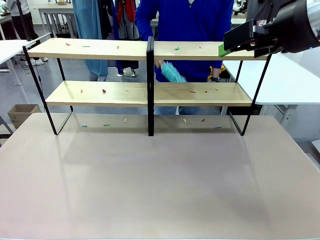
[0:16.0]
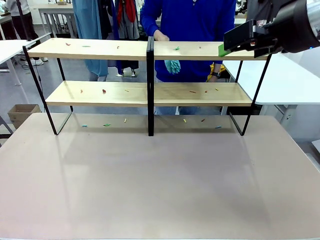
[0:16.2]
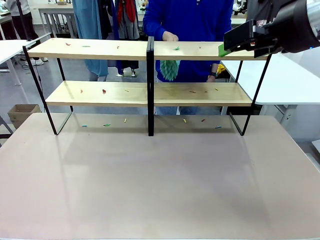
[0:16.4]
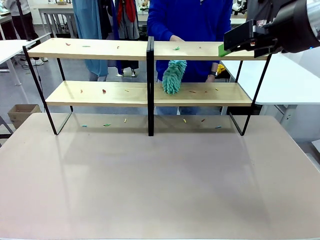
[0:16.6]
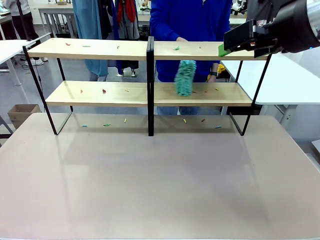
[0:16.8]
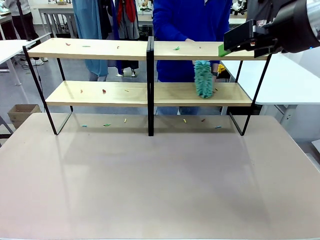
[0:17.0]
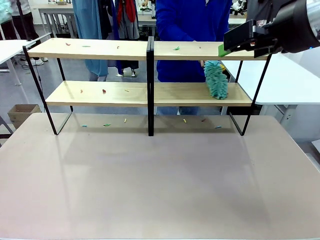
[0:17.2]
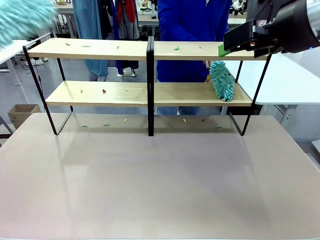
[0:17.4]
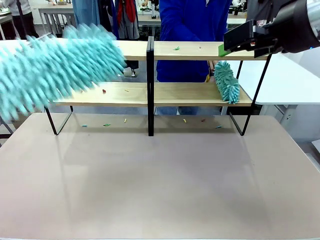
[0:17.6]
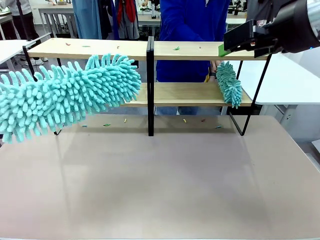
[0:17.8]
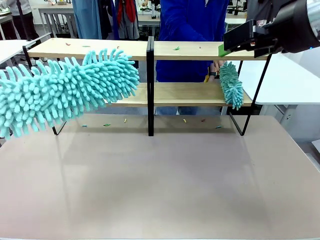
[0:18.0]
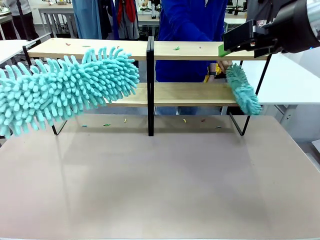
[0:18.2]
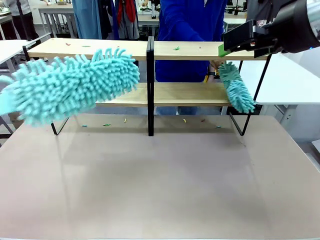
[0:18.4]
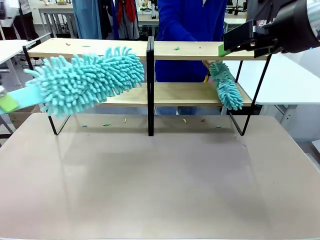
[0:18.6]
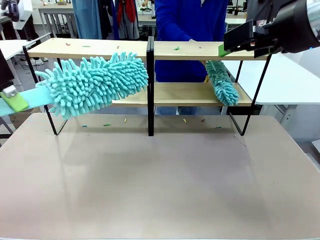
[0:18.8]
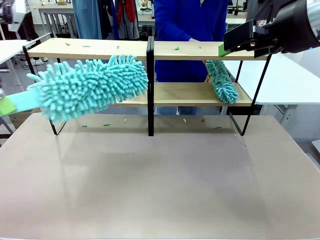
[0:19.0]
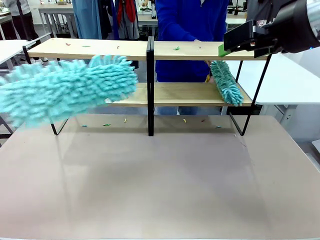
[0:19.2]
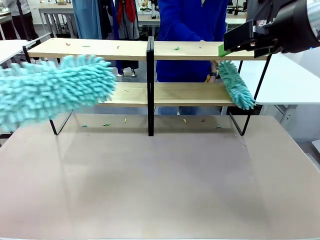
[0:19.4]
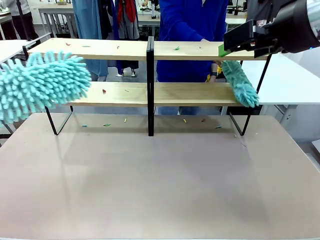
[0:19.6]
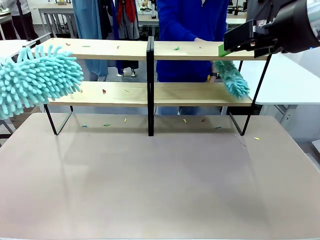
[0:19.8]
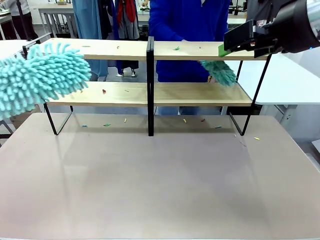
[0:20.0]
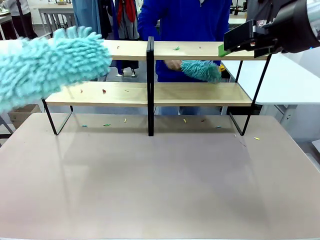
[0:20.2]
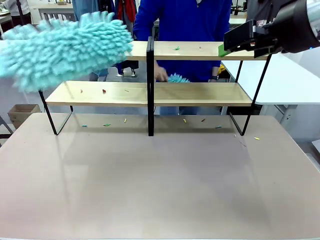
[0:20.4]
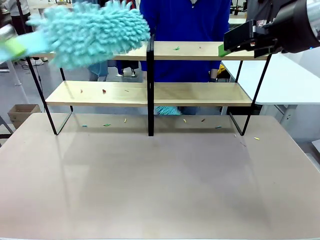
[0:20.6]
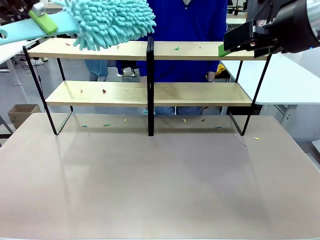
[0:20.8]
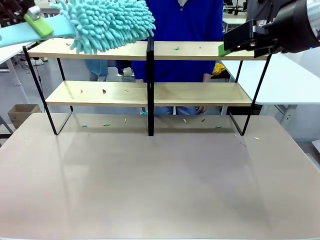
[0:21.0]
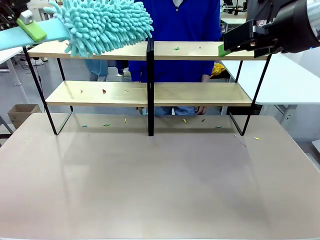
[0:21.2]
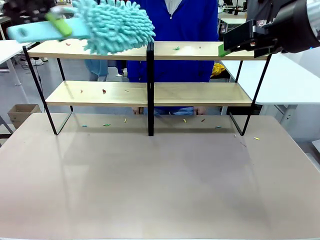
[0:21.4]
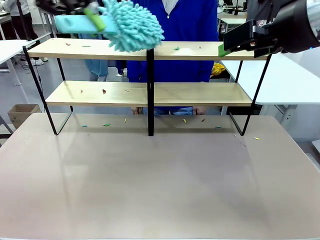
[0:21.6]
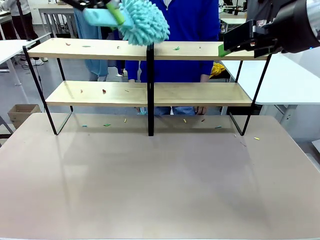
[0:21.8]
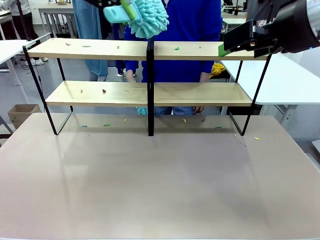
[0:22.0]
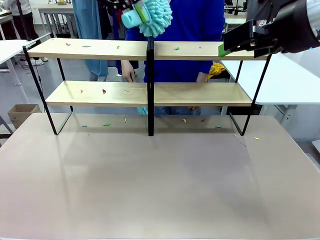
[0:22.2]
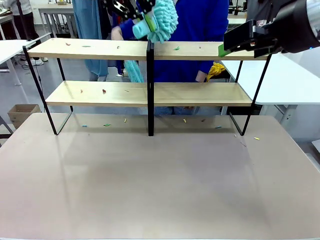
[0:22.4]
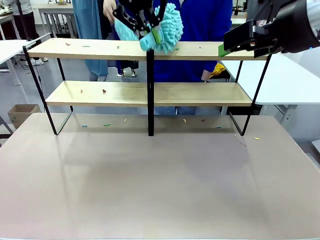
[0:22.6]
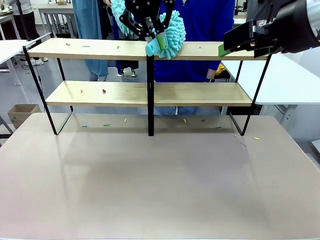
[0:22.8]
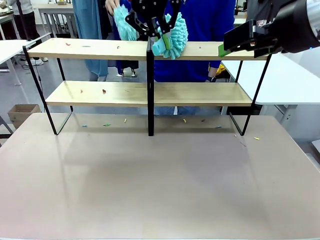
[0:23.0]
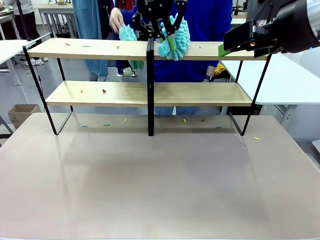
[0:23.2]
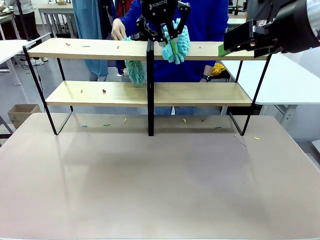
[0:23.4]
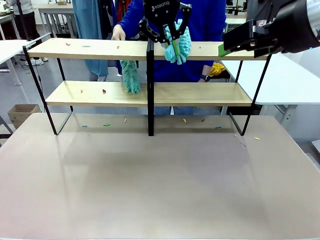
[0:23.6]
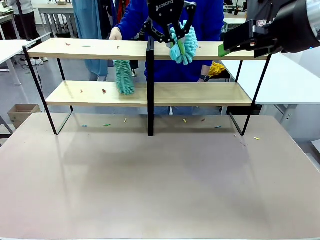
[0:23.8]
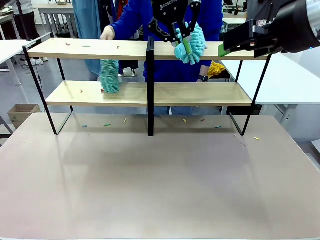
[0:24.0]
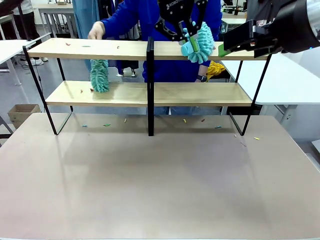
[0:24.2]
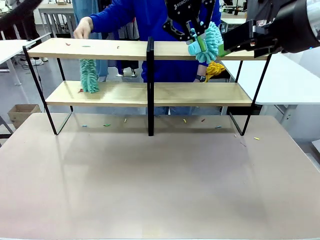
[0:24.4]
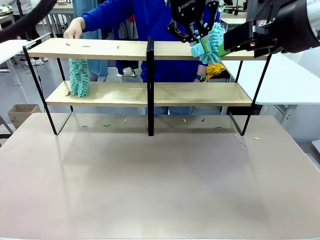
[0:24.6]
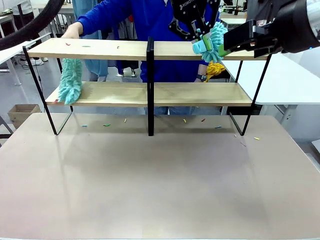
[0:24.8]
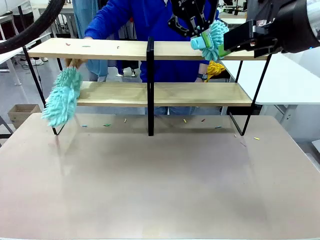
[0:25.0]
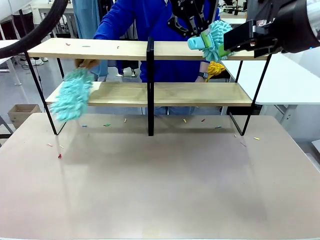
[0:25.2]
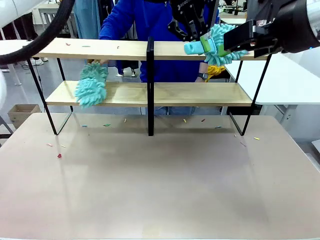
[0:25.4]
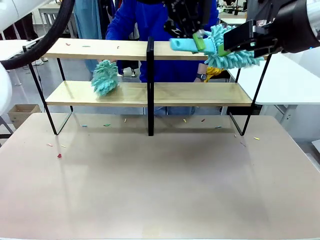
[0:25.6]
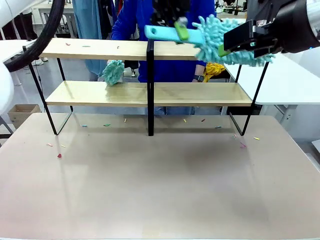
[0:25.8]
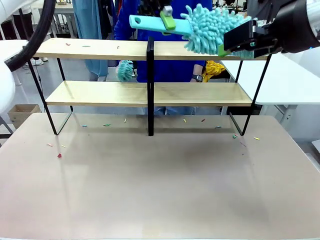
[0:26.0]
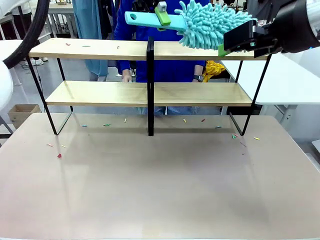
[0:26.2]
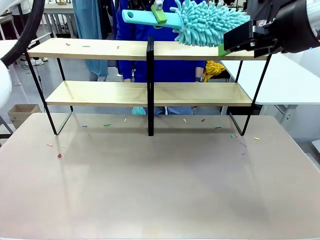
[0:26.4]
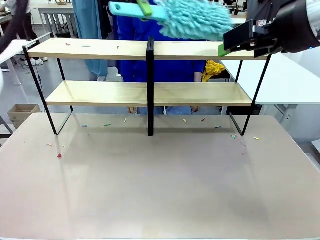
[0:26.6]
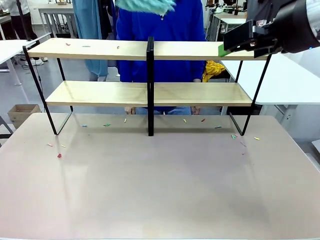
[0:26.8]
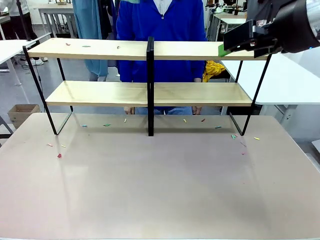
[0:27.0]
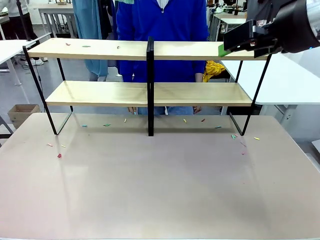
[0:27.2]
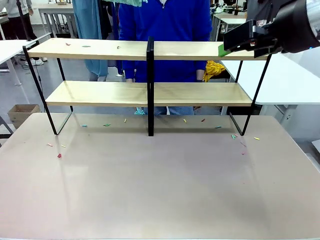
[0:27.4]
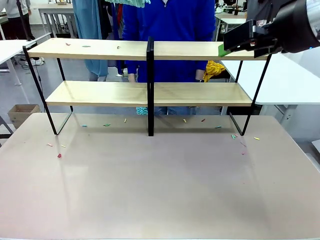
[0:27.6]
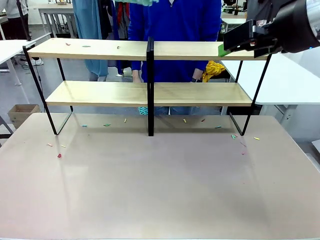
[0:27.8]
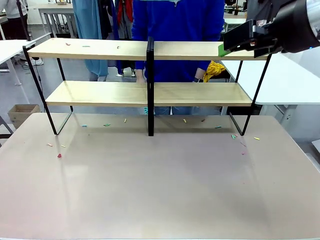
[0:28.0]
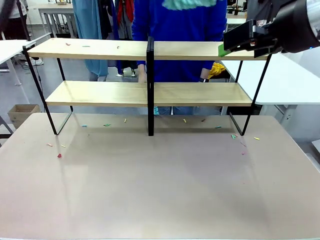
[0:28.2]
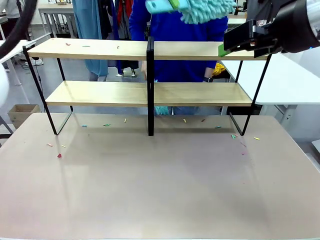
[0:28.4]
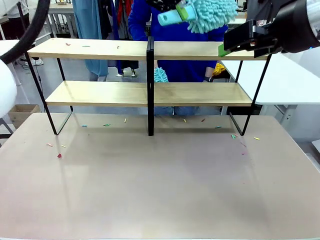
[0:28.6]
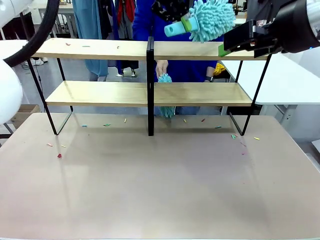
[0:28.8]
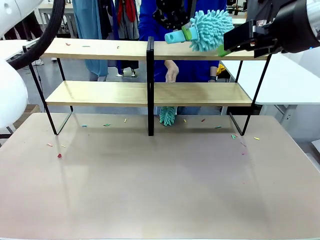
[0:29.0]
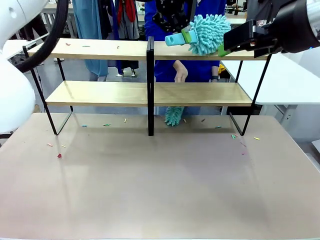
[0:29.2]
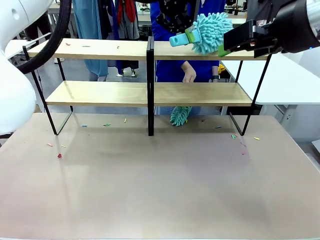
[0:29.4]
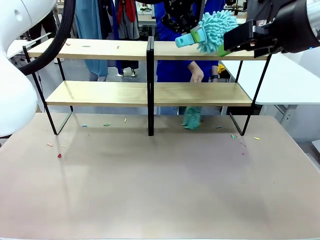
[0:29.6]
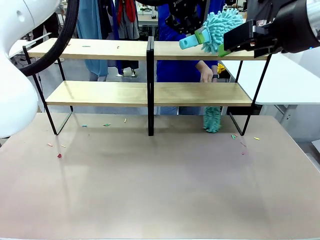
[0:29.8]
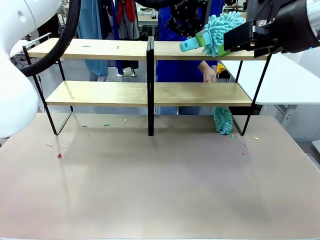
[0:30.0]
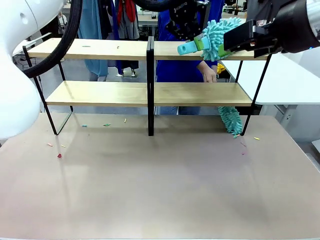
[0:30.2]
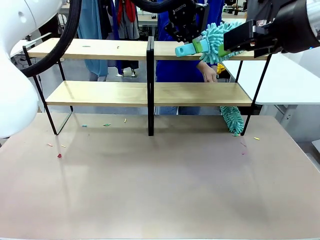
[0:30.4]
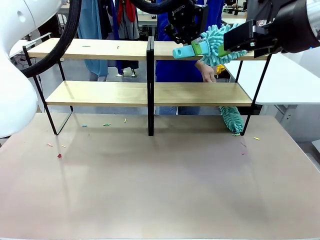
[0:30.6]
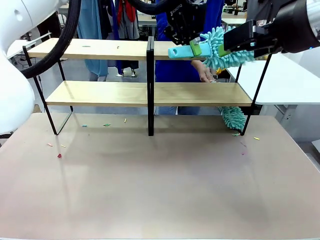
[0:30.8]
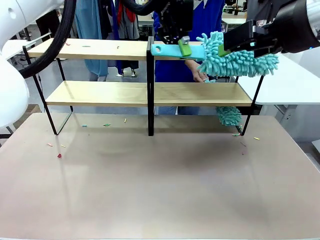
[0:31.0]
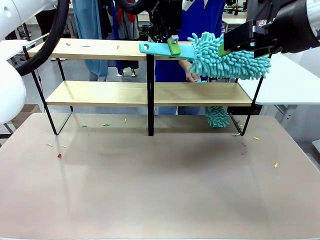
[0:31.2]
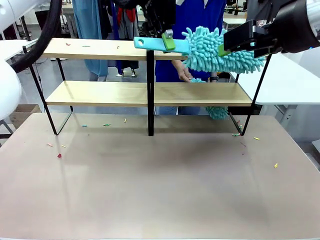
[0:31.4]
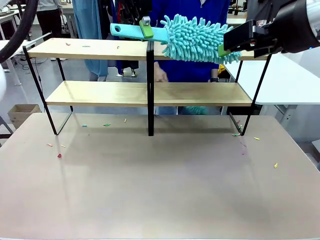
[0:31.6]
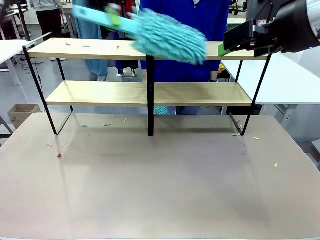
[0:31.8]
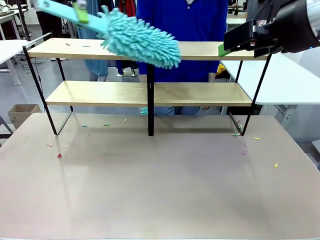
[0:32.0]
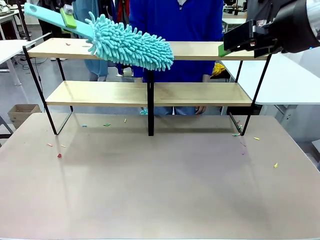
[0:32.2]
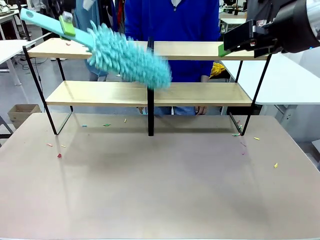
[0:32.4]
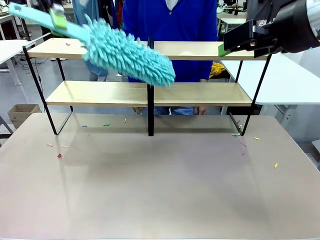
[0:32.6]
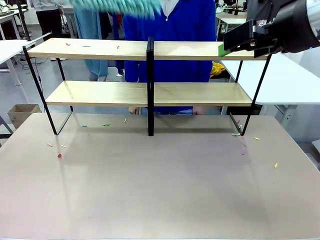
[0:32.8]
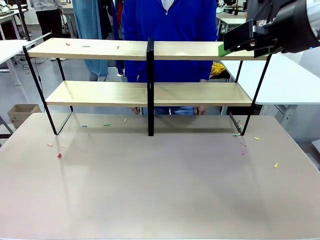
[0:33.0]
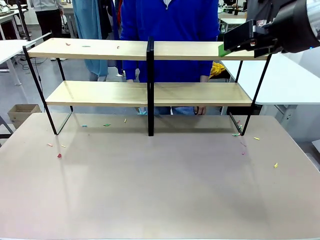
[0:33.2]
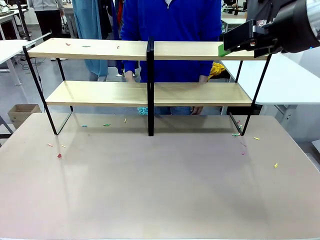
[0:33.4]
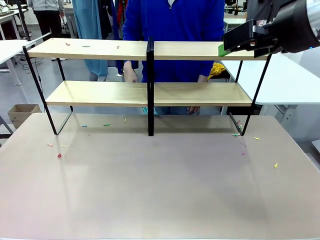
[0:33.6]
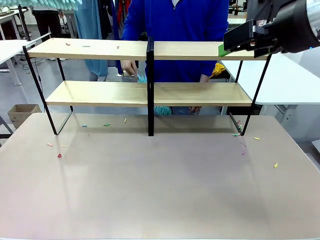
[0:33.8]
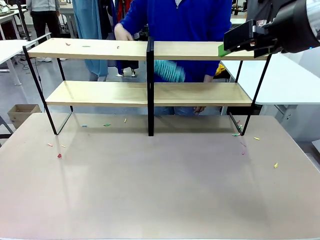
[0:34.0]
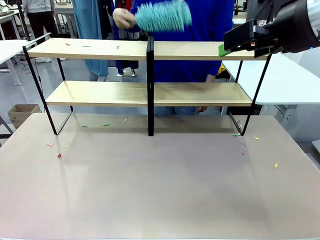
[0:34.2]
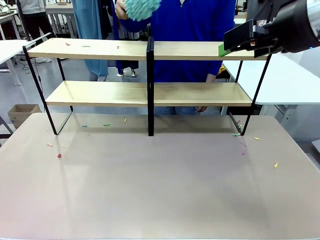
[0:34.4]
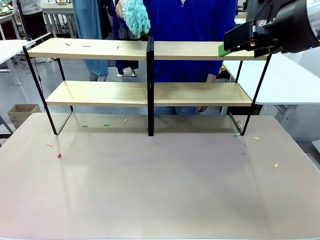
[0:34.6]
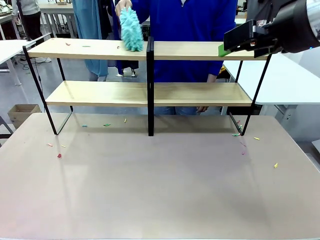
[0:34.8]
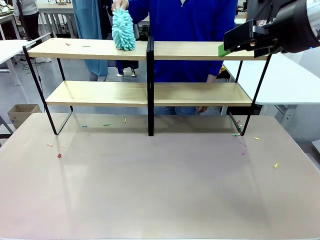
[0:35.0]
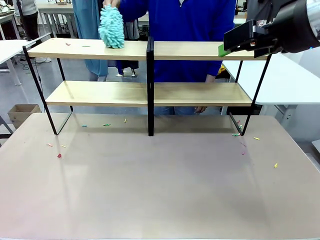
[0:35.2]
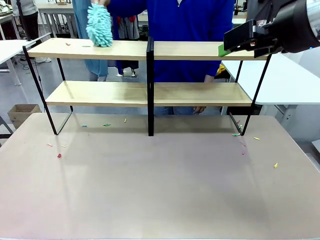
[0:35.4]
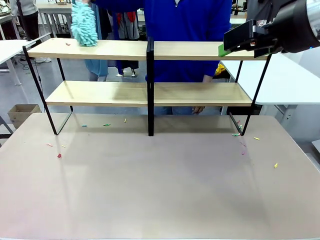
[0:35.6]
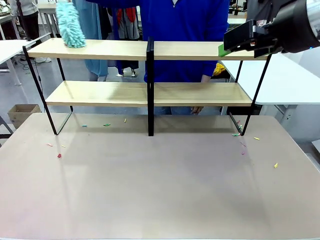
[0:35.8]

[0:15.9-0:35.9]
Task: Clean the shelves.
Robot: Clean a randomly selected level of the Shelf with the Duster.

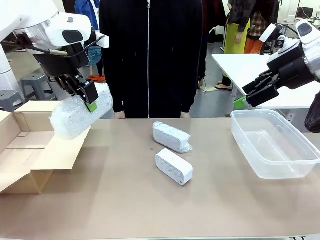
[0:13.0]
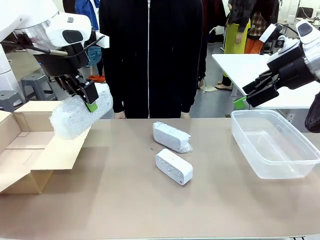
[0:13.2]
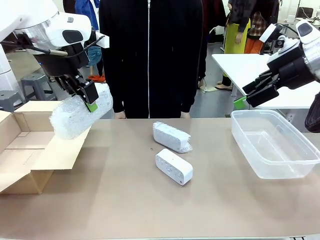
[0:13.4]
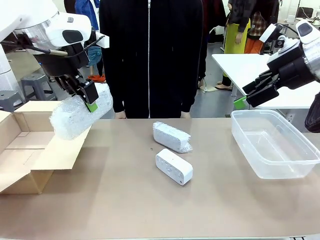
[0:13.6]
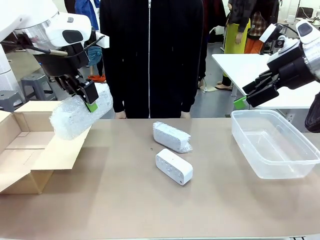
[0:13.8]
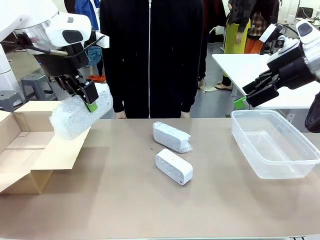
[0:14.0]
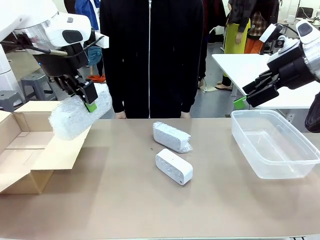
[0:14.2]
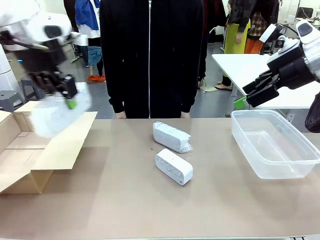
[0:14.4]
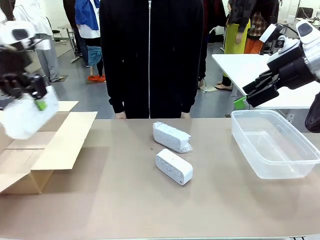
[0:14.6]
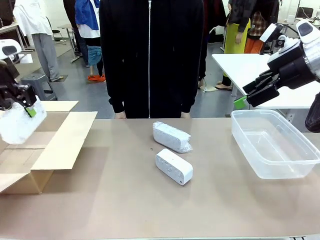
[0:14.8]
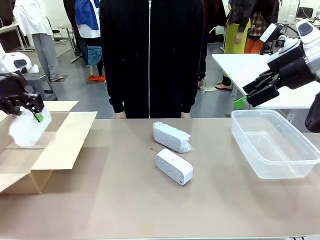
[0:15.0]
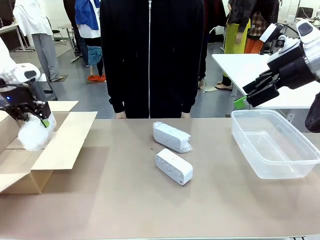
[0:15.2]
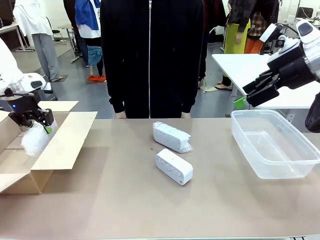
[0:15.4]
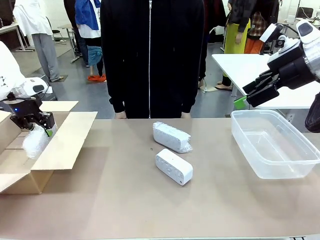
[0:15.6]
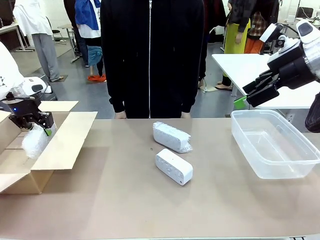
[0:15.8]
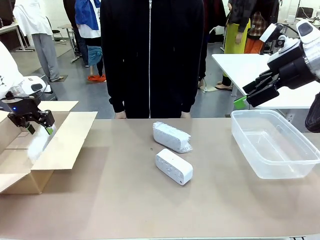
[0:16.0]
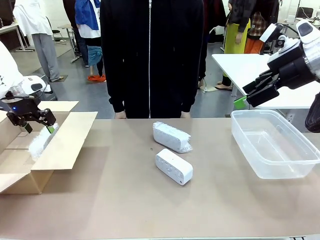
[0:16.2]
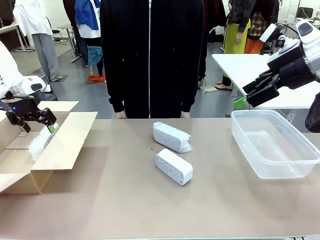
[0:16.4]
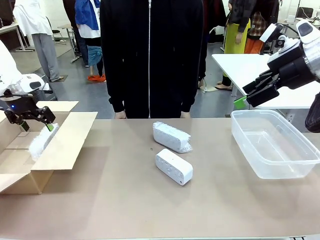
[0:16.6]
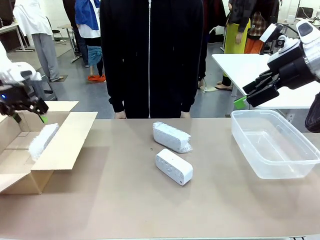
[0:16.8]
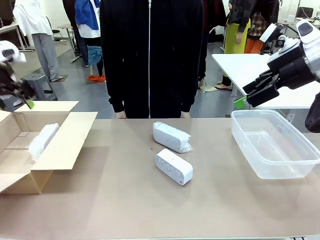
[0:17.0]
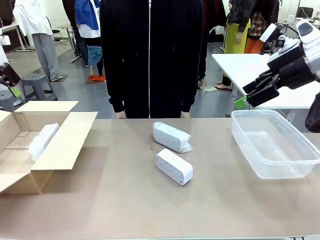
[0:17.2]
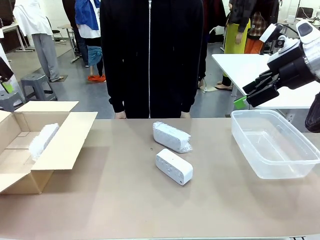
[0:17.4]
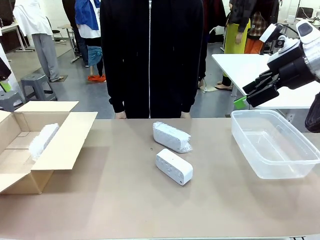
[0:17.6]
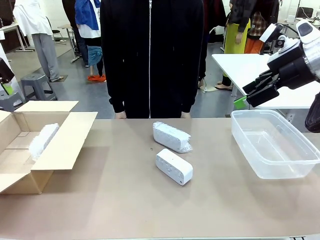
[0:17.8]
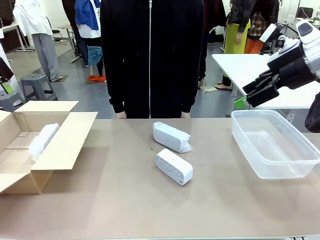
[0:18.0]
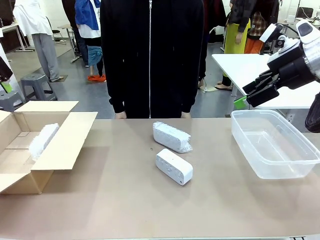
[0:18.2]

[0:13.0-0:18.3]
Task: Separate and place wrapped and unwrapped clocks.
Robot: If the picked Digital clock is wrapped, place it in the Package Box ; if not, place it in the Organizing box.
